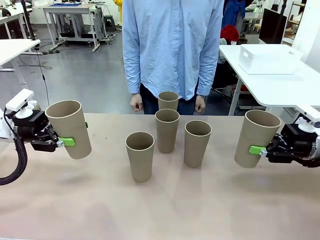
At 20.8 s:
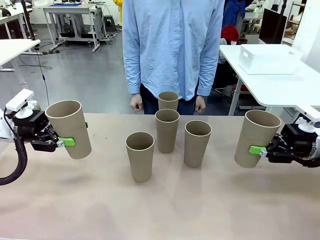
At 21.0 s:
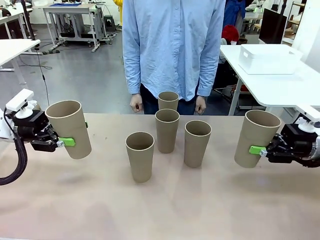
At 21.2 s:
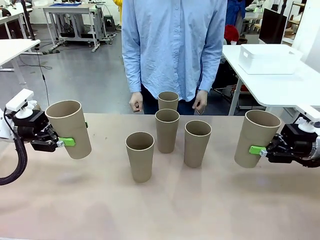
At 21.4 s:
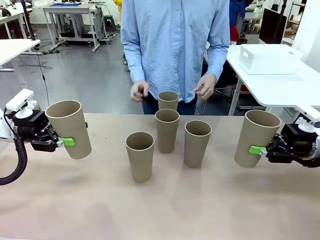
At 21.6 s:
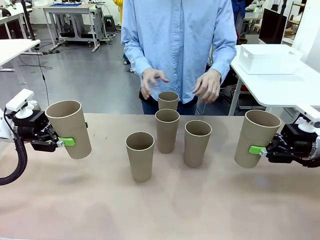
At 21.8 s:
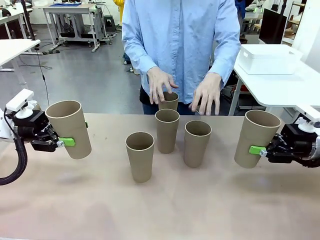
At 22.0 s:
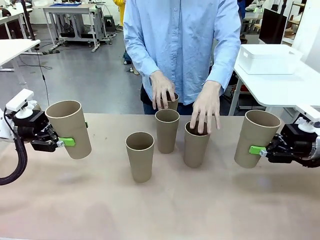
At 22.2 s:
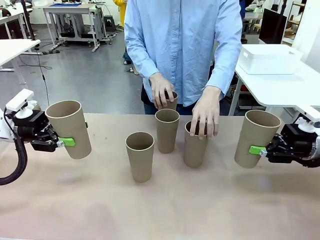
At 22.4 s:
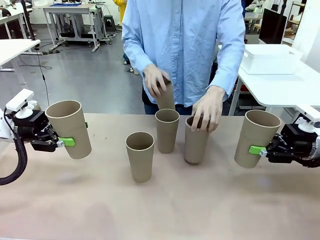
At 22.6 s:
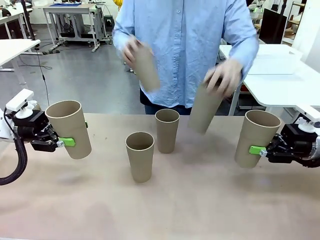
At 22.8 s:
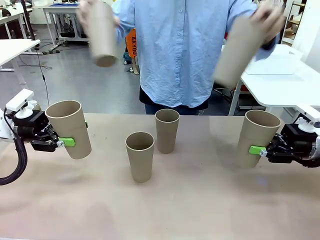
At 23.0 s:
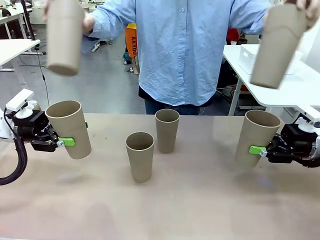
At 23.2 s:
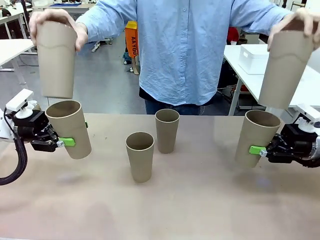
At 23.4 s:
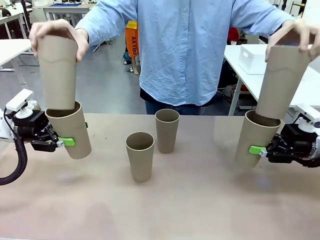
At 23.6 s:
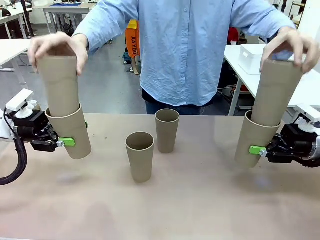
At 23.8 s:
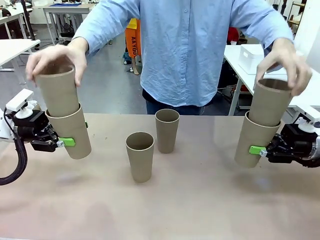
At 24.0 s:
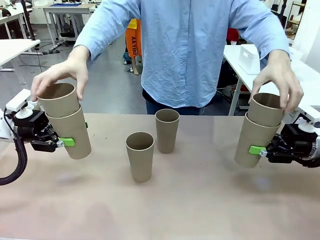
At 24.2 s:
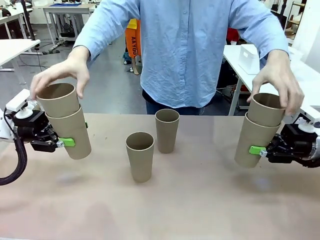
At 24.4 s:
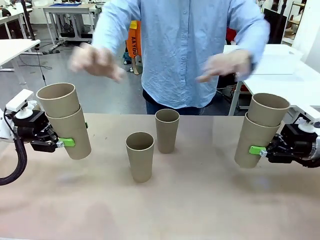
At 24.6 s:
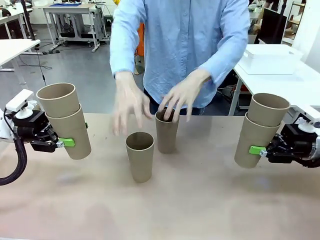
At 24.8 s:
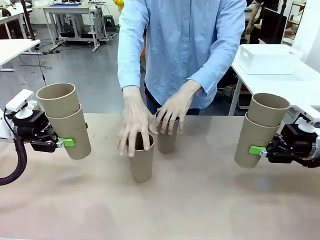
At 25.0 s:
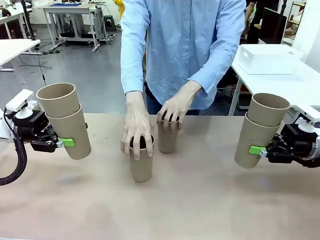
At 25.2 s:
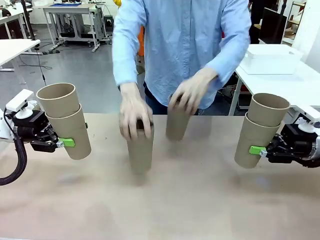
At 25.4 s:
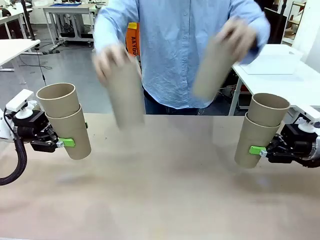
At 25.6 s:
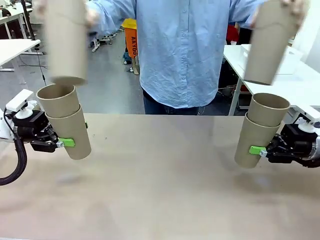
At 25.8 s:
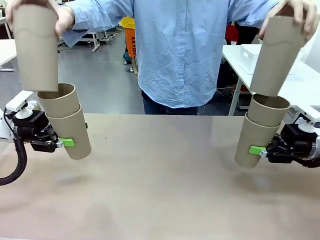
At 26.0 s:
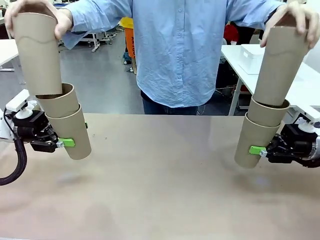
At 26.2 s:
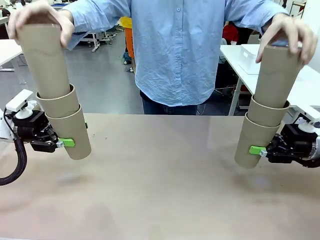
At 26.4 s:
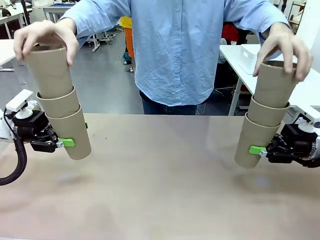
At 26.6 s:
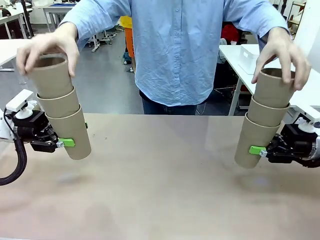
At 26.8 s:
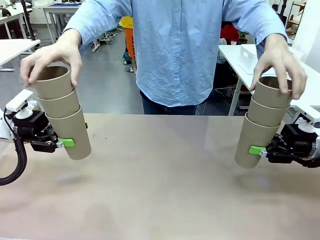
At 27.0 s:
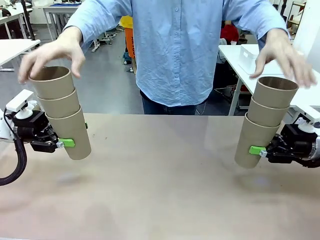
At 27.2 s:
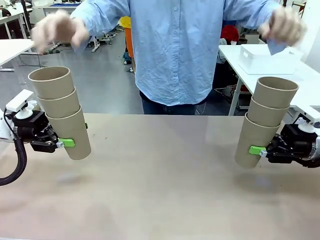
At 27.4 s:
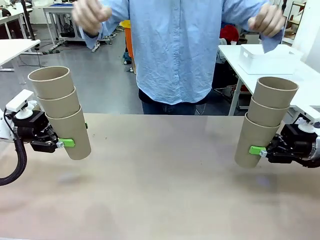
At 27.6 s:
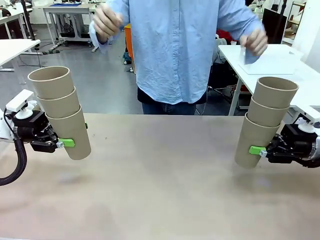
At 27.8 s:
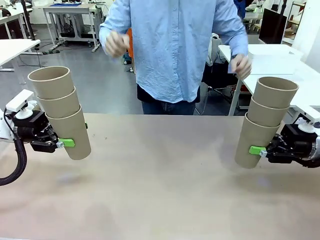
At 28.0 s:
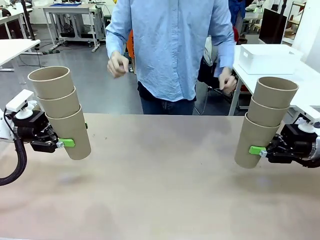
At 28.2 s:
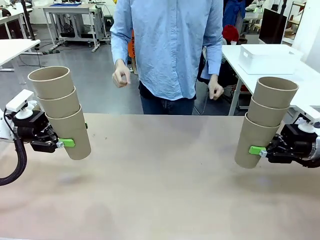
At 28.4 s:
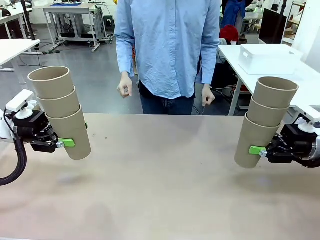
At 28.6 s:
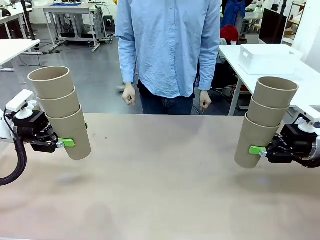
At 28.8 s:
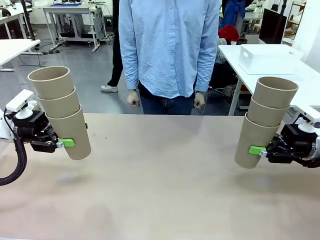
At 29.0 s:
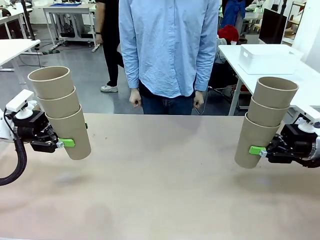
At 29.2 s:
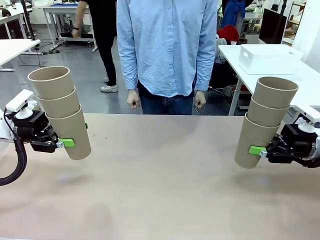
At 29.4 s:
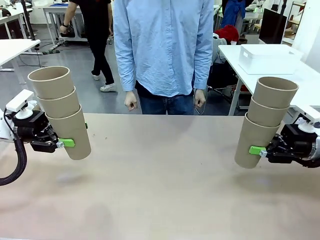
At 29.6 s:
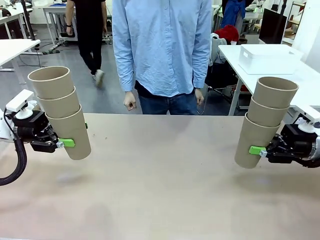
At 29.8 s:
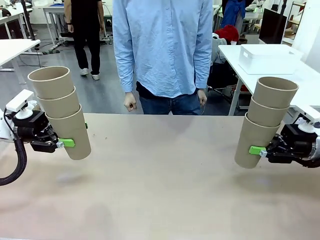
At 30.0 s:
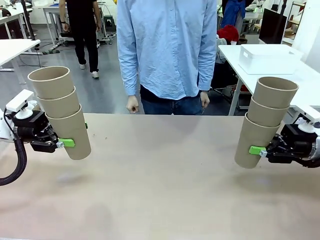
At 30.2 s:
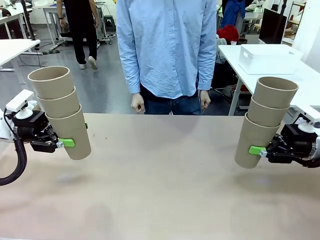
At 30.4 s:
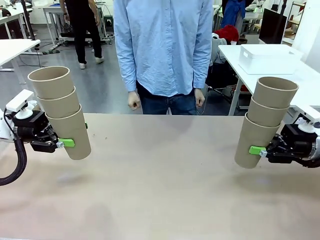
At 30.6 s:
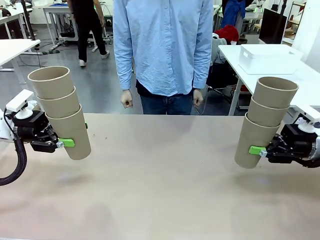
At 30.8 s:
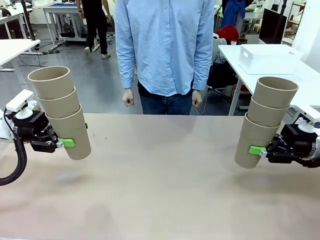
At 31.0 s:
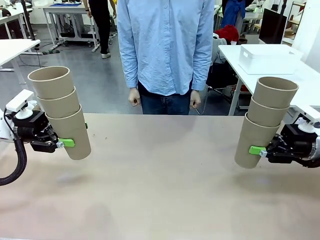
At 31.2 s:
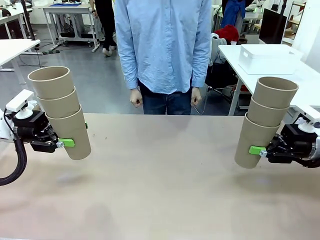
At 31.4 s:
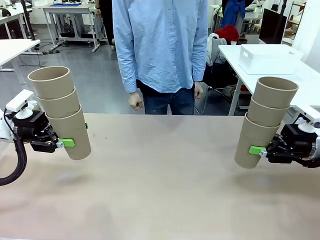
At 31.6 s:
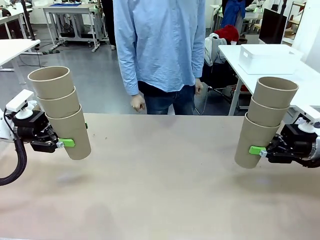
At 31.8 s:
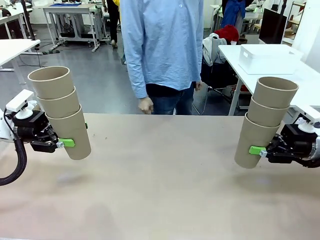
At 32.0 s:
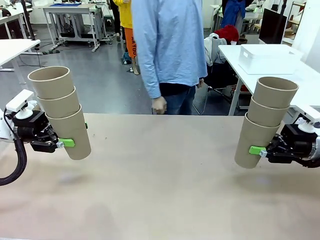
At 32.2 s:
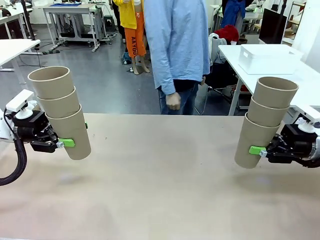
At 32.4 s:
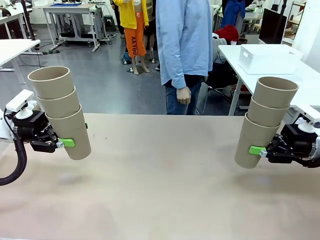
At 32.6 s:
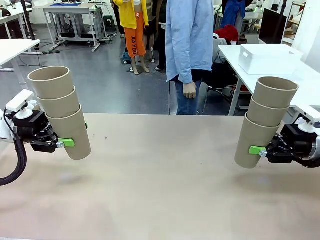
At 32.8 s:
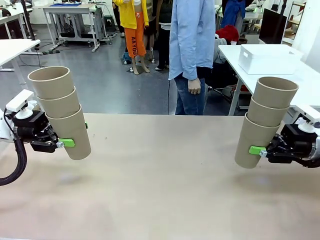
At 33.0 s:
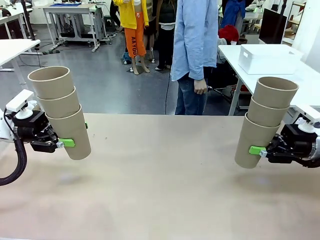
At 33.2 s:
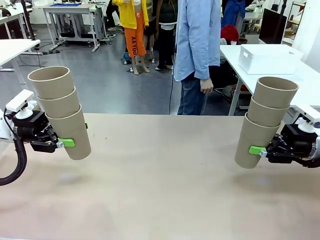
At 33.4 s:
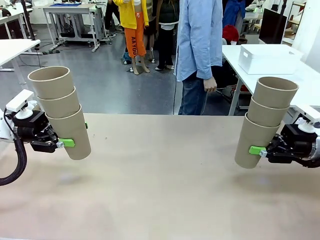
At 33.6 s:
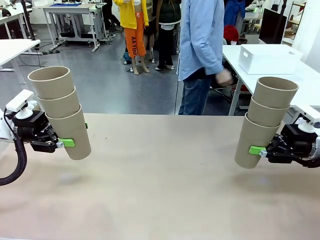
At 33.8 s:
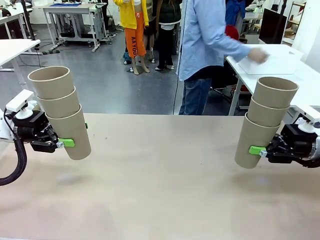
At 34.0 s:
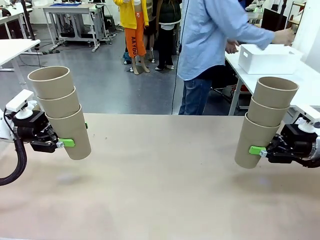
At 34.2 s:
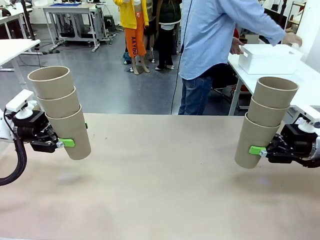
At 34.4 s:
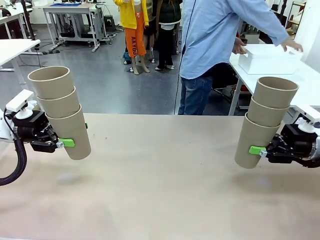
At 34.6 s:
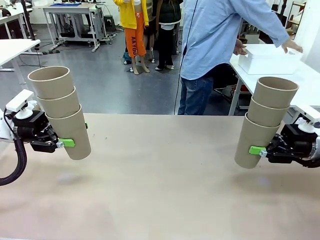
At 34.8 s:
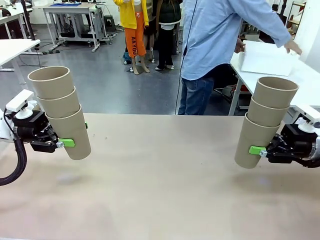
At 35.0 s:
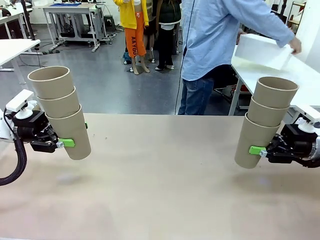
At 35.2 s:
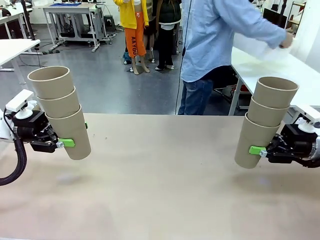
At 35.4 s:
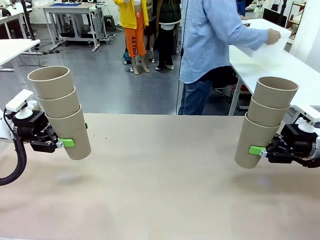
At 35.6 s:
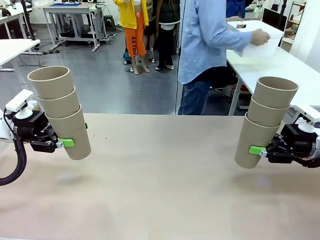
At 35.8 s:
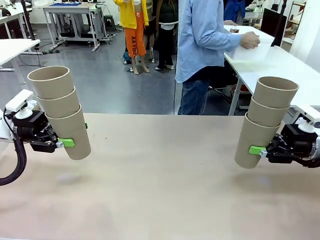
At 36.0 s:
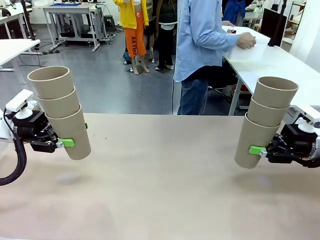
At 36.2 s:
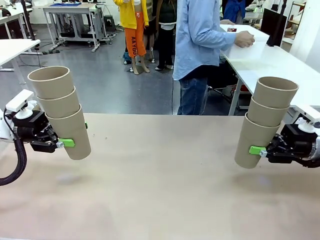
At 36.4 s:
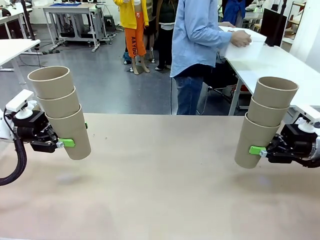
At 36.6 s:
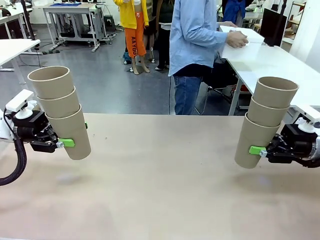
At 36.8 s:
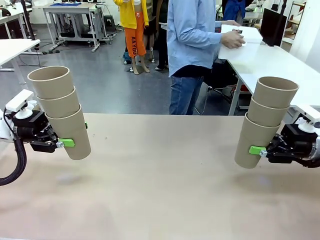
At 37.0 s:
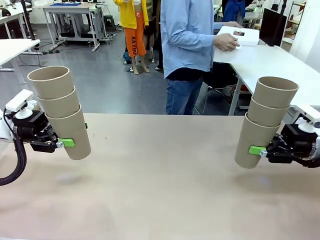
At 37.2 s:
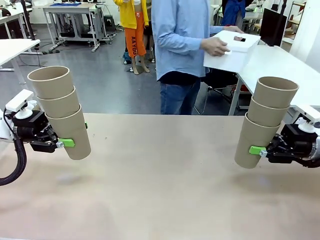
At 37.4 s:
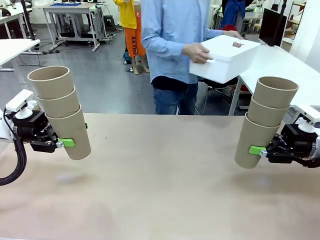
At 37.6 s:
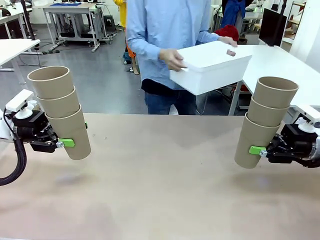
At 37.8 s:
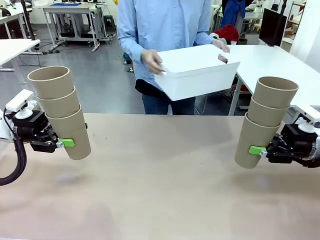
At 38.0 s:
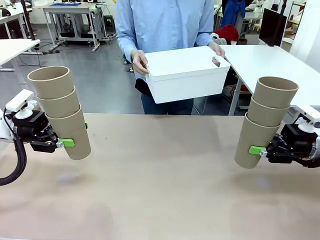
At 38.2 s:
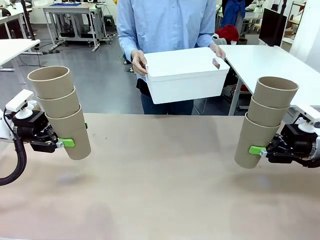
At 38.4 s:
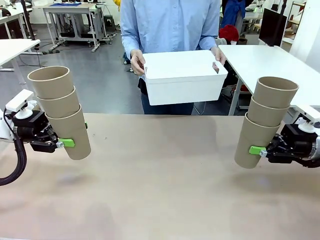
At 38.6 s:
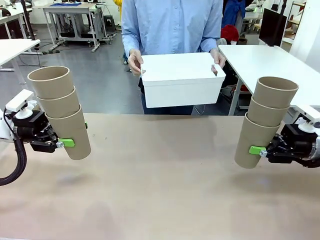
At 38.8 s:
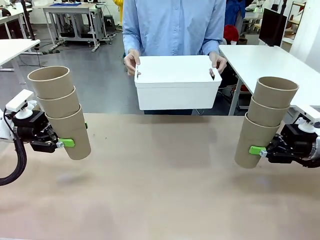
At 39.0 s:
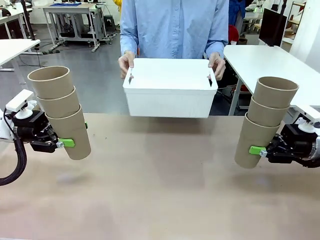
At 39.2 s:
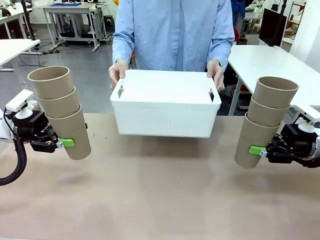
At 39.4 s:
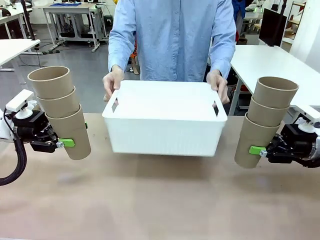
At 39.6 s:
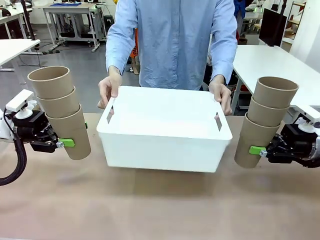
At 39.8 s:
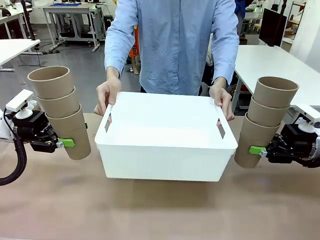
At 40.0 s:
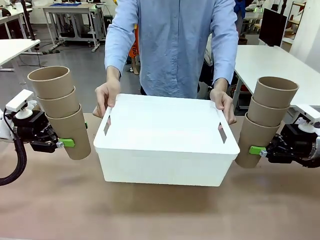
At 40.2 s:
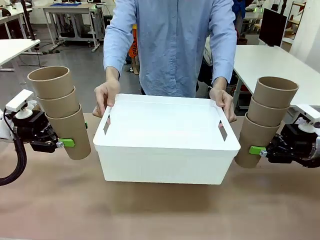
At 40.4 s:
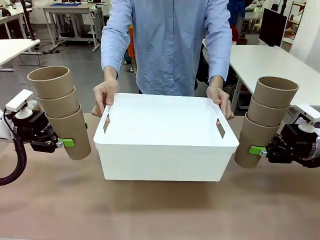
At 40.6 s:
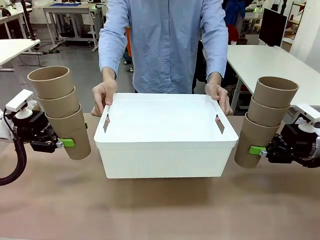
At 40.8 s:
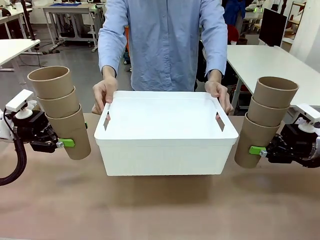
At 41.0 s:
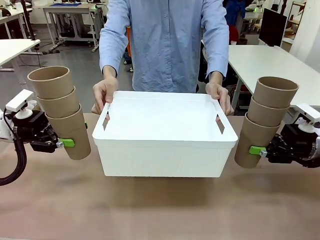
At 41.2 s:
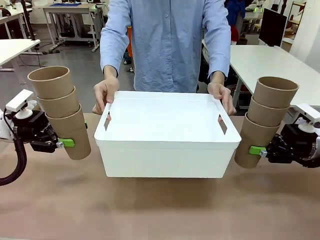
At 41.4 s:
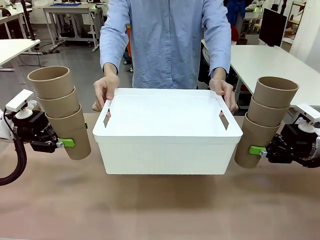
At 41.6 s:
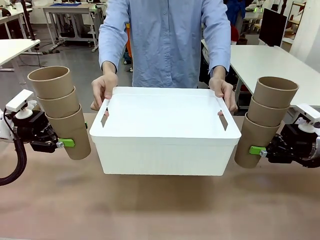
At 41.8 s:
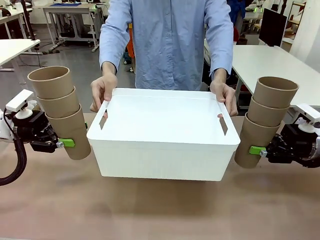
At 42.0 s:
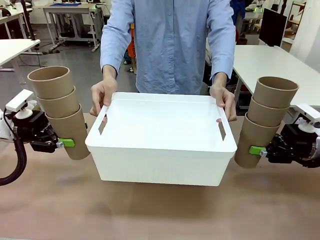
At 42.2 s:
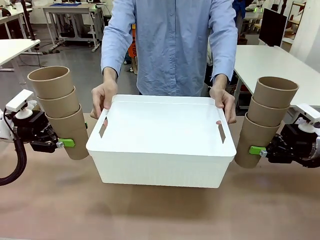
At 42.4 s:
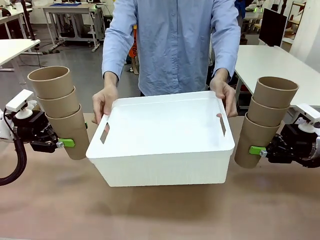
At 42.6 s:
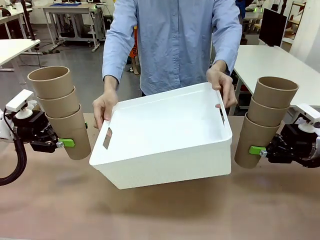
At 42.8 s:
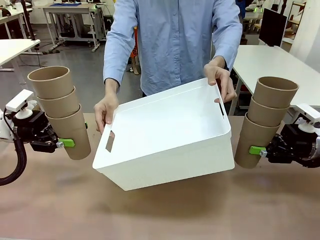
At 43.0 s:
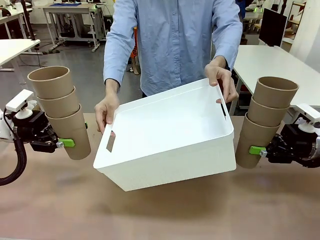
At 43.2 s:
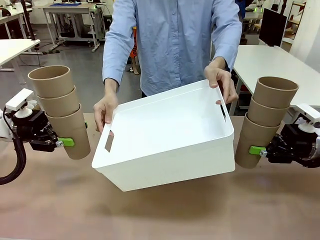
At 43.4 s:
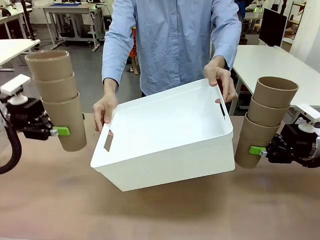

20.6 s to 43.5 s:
Task: Stack the cups and store them in the basket.
Robot: Place the stack of Reusable plastic cups into the Pantry Basket.
Person: Pick up the basket from the Human Table, bring it to the front of the robot, and present it.
